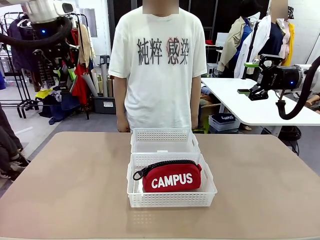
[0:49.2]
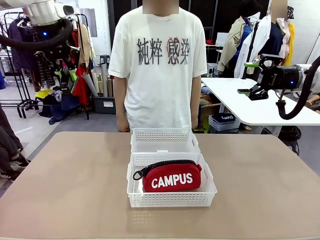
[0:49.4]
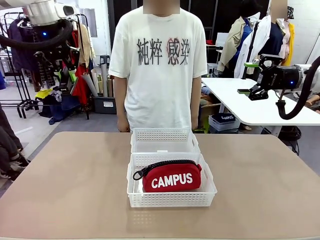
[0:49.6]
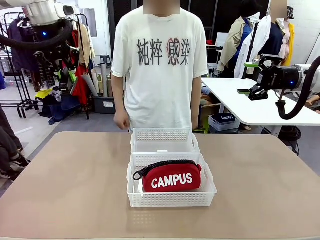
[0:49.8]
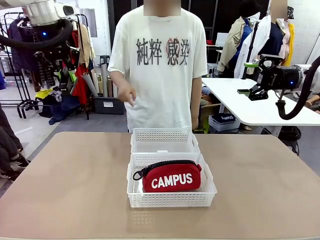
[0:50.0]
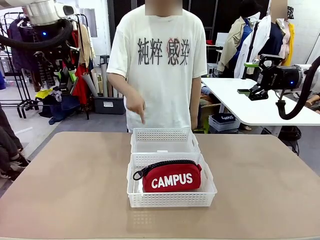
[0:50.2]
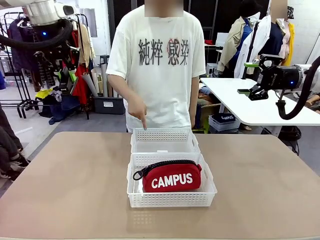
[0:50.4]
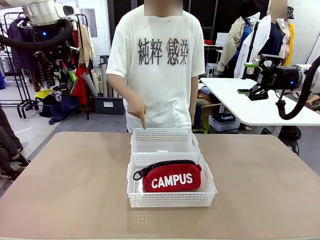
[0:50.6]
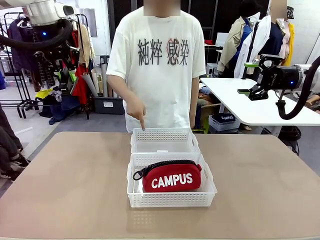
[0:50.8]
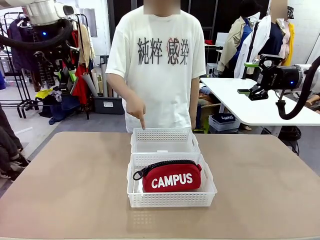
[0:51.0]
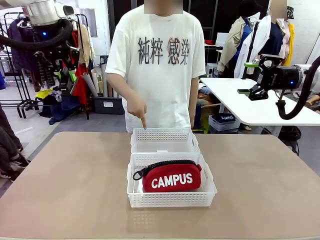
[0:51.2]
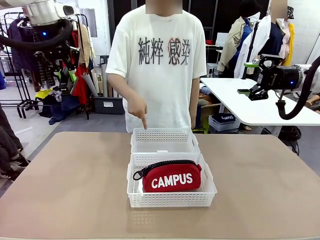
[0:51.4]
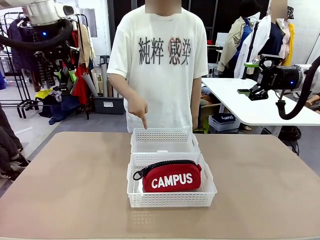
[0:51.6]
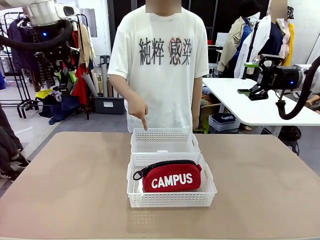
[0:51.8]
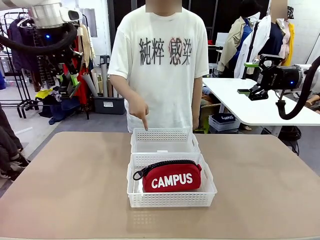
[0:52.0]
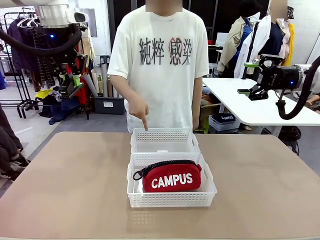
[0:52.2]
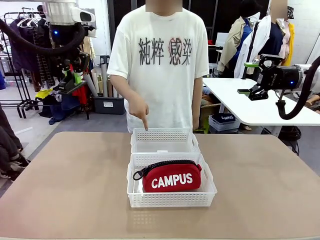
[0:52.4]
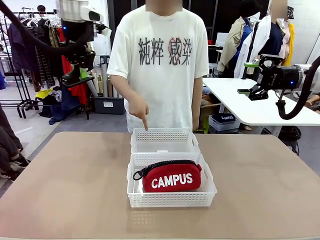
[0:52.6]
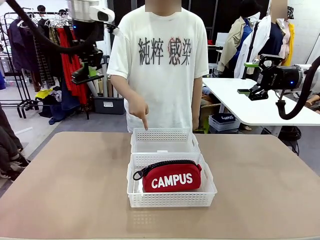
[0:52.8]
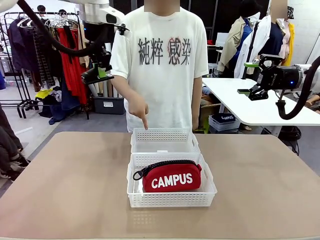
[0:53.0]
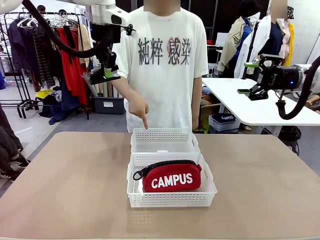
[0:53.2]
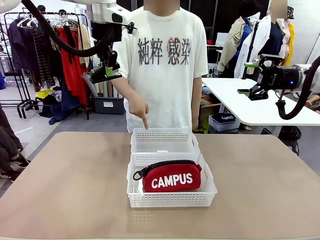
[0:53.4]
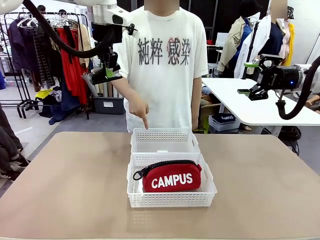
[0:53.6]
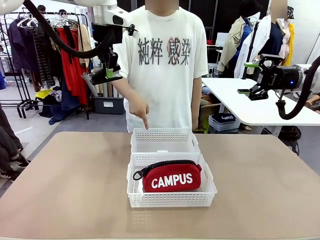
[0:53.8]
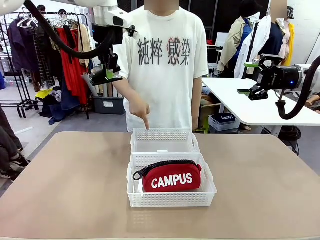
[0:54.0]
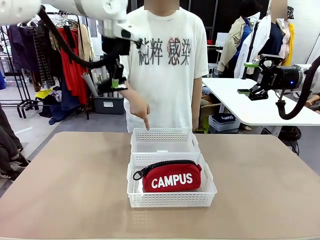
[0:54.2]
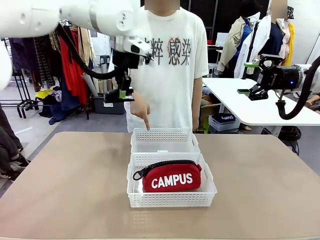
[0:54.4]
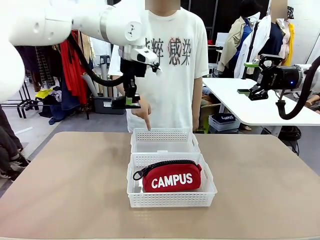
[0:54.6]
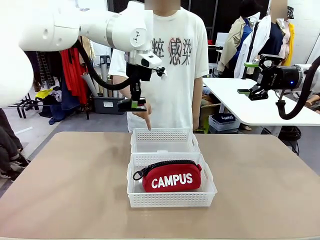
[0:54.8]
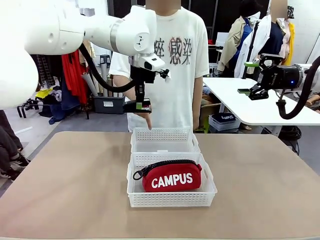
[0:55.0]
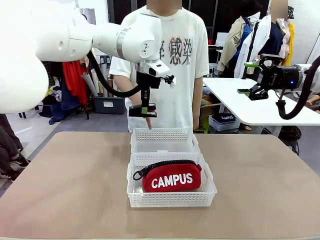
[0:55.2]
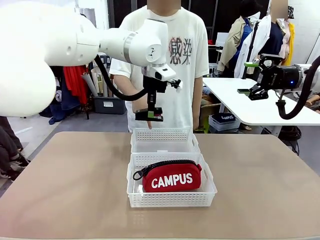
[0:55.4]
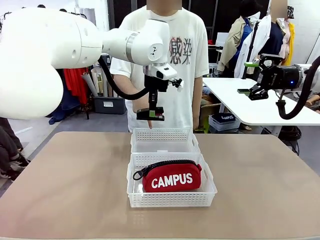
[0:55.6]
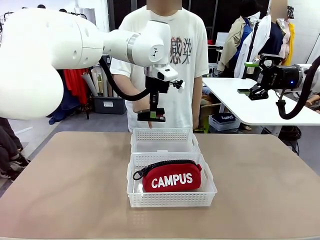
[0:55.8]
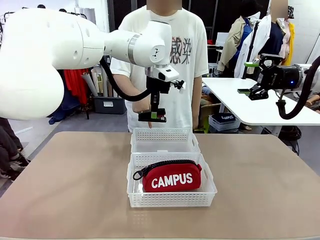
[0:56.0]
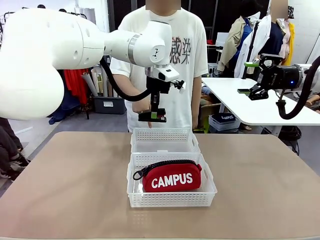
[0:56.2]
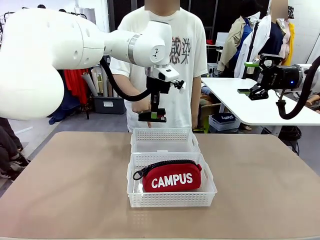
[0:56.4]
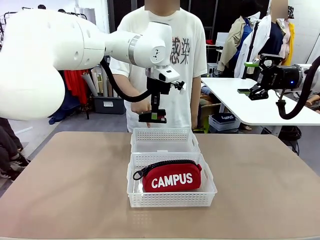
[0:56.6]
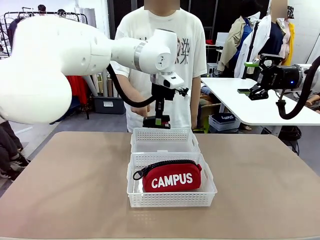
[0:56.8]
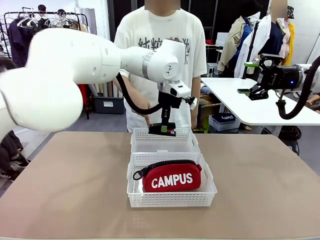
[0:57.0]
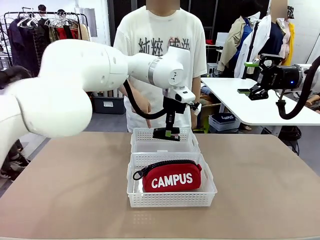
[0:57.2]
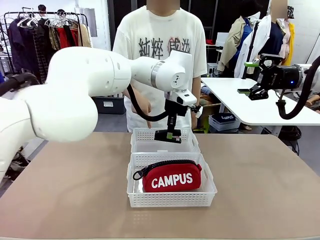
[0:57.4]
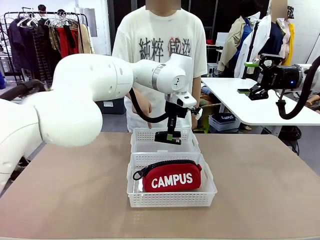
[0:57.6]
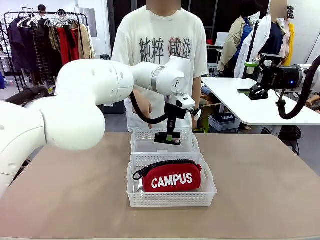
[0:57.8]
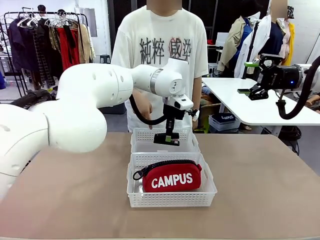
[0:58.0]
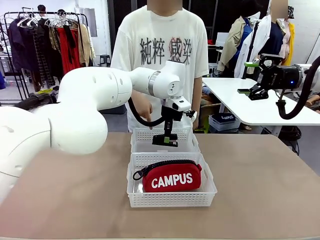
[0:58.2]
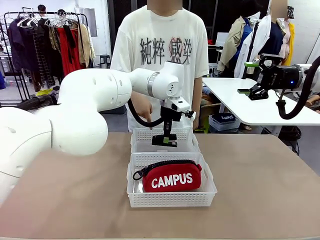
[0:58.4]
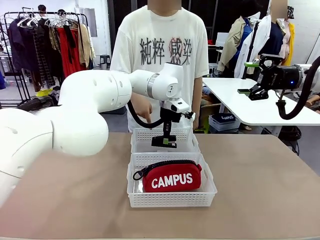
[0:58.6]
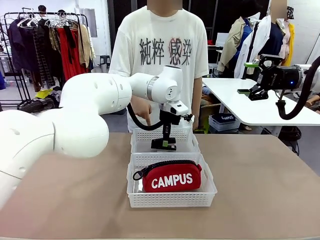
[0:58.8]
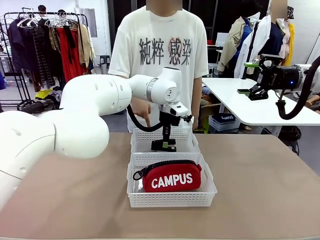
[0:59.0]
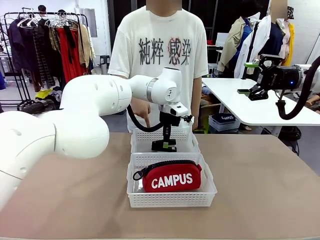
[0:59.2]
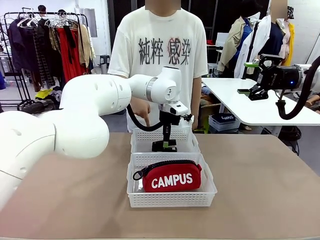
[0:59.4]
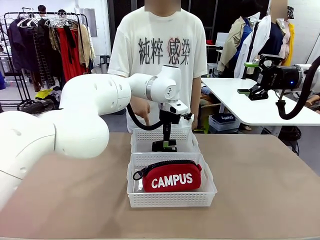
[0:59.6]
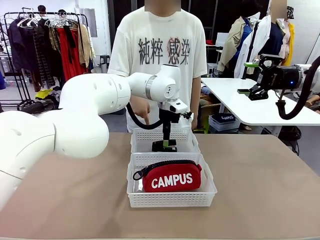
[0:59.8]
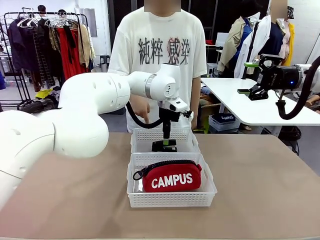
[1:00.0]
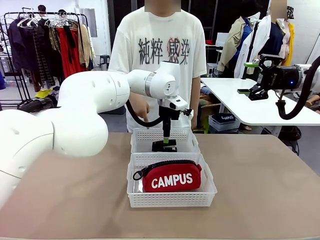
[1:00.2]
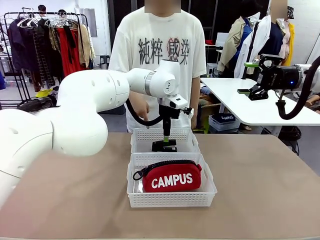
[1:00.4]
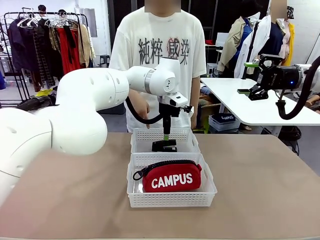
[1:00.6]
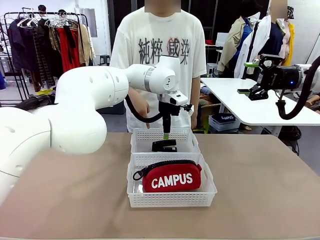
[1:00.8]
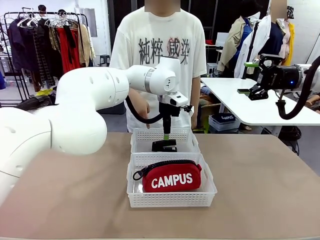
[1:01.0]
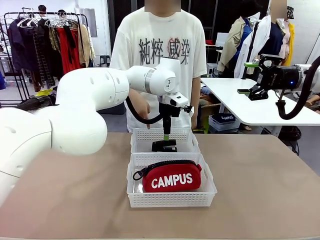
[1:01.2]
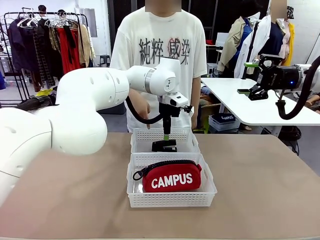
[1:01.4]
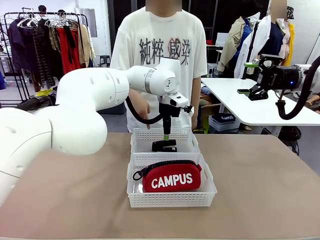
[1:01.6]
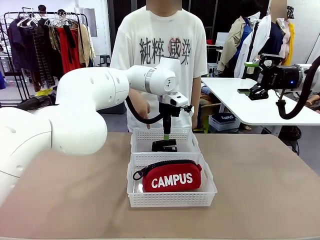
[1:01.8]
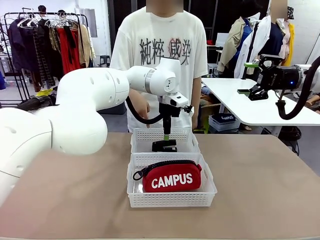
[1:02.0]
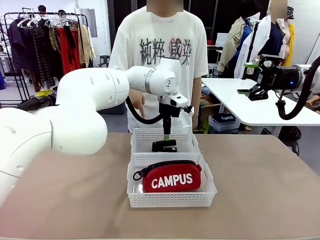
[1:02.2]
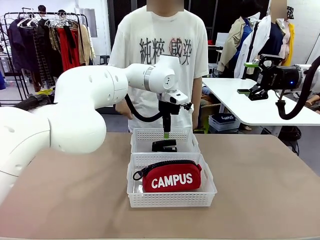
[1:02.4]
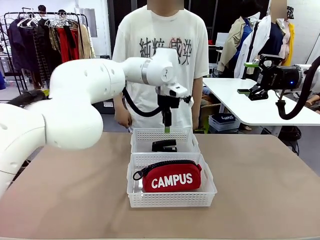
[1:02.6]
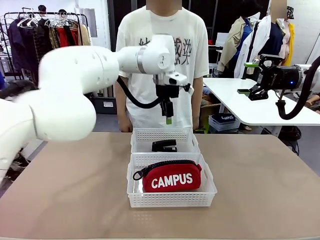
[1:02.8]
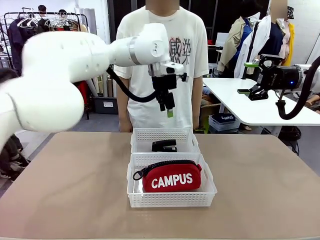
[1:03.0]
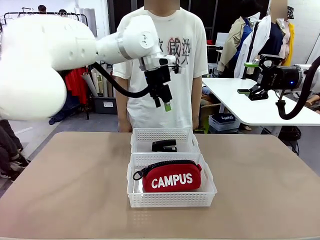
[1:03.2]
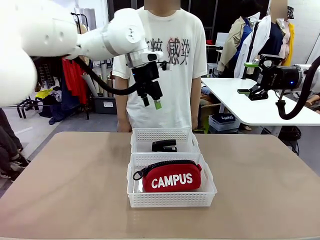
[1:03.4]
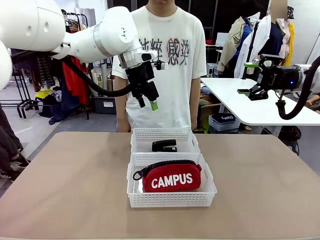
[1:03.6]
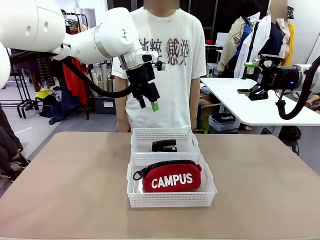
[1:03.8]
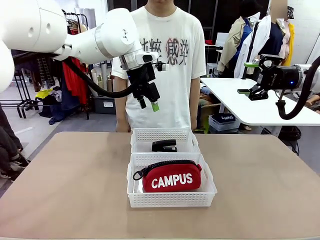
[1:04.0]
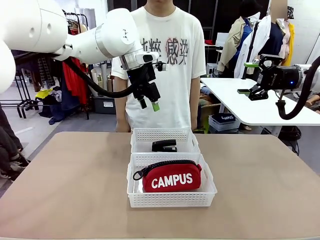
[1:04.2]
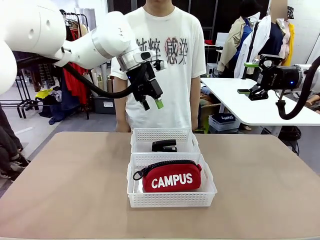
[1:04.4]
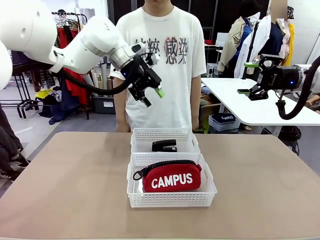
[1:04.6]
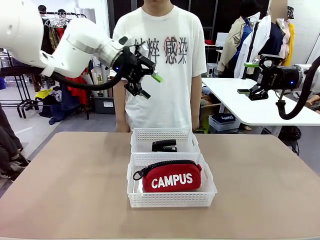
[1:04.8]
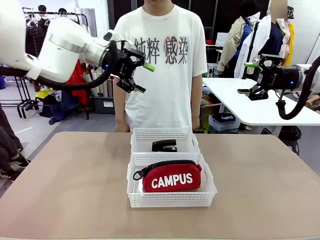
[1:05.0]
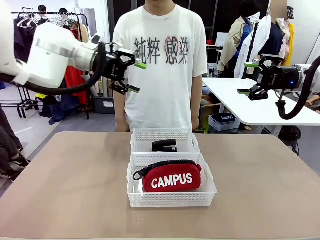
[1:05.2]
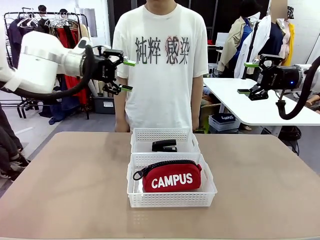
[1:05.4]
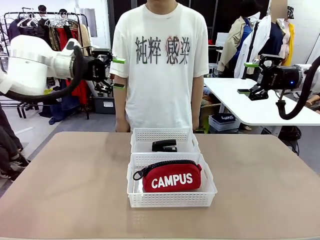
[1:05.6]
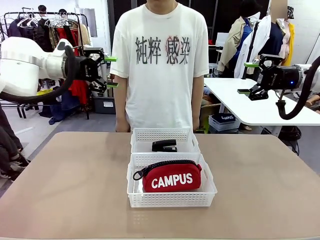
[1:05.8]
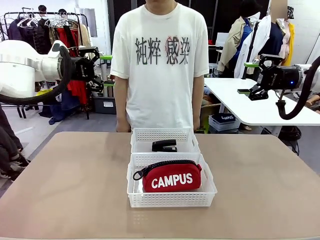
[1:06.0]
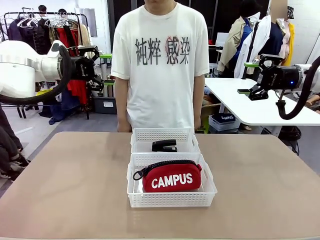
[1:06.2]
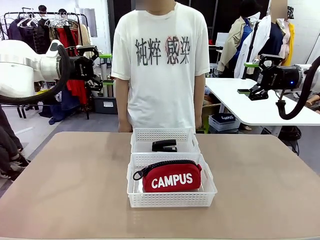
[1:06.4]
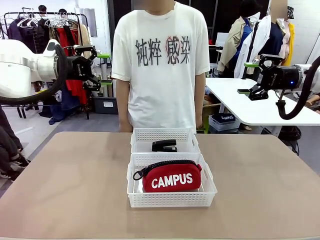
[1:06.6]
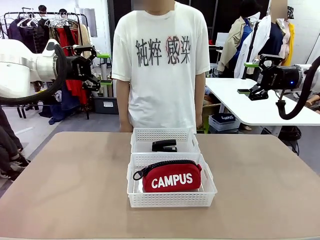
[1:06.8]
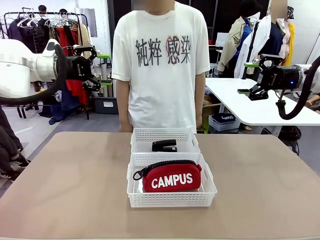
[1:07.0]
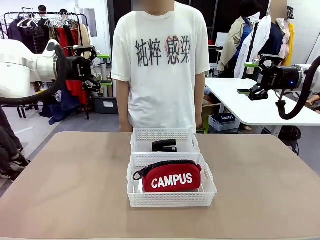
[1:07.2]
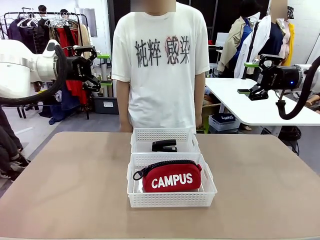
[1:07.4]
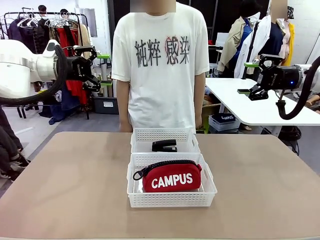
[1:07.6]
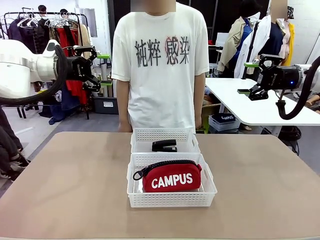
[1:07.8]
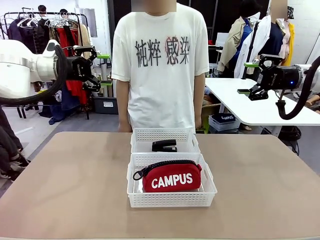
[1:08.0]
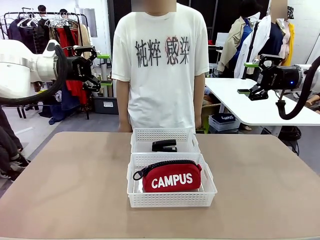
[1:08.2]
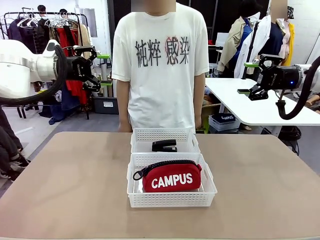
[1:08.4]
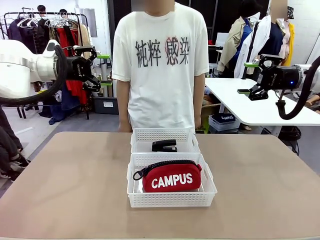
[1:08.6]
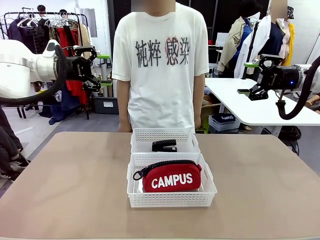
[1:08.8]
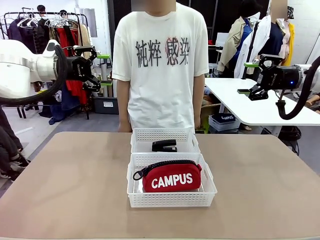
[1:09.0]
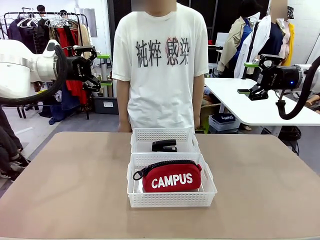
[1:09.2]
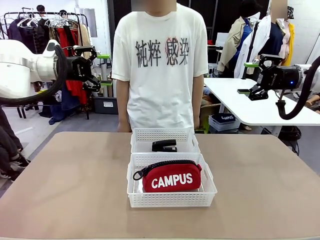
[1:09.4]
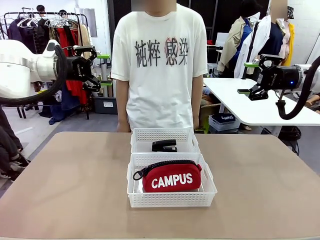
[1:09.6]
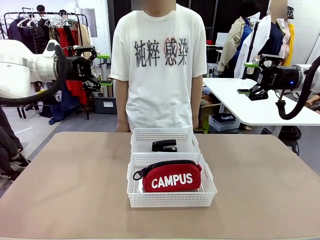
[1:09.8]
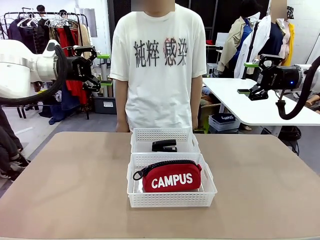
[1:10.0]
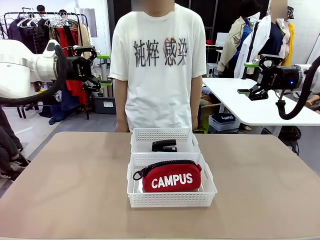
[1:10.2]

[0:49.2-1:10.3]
Task: Distribute items into two baskets.
Robot: Place the picked Stapler into the Organizing basket as instructed by the person.
Person: Points to the basket that does not contain the pencil case and instructs the robot to move the stapler there.
